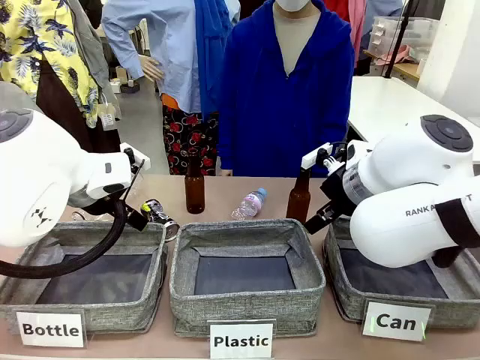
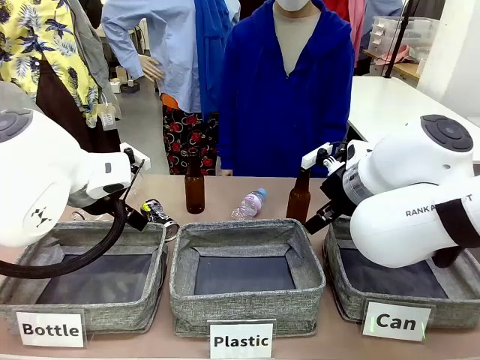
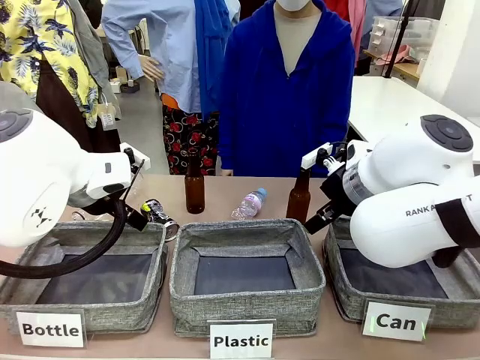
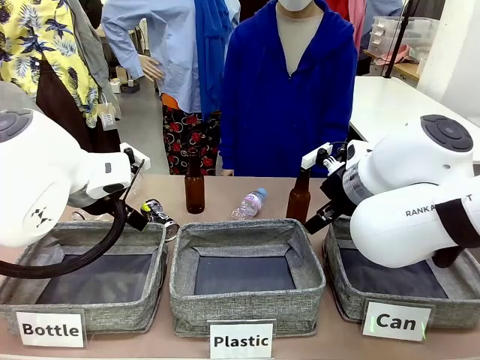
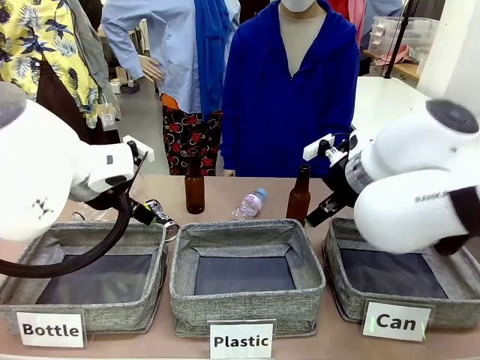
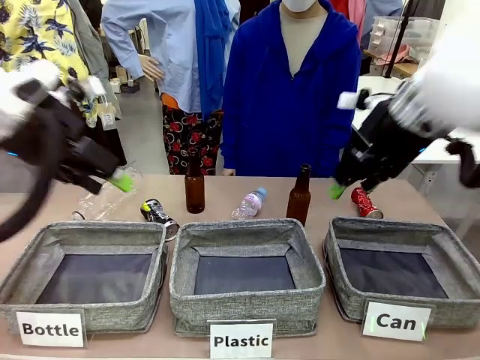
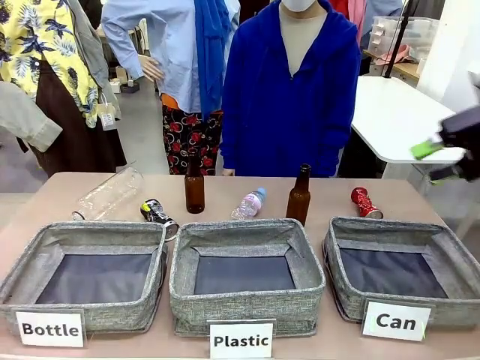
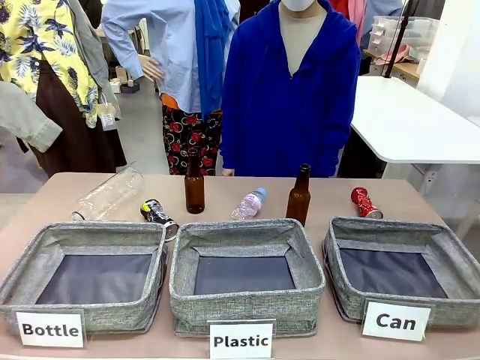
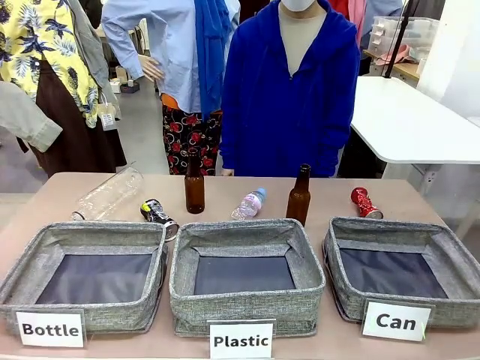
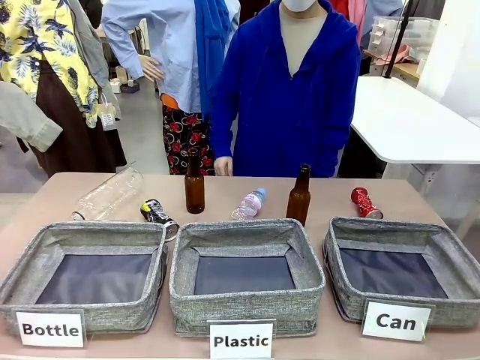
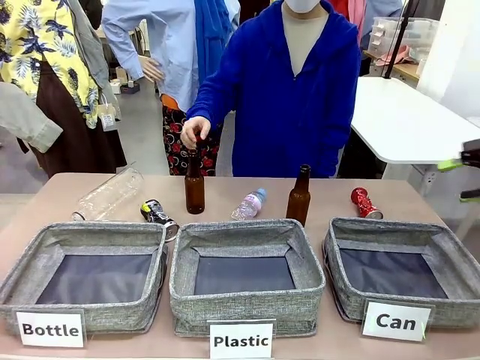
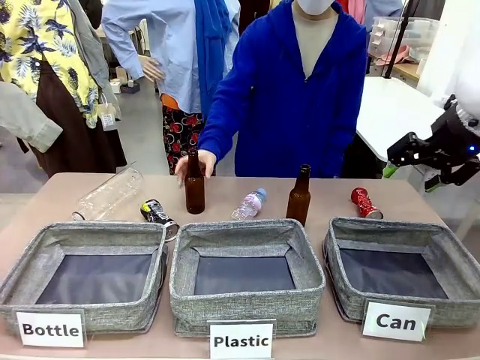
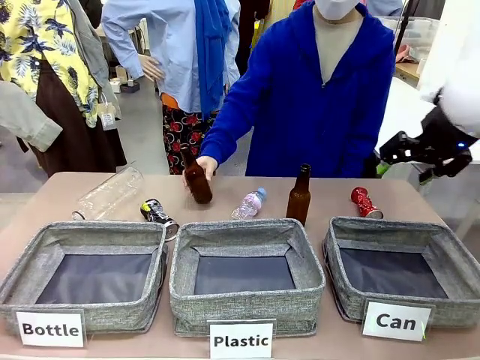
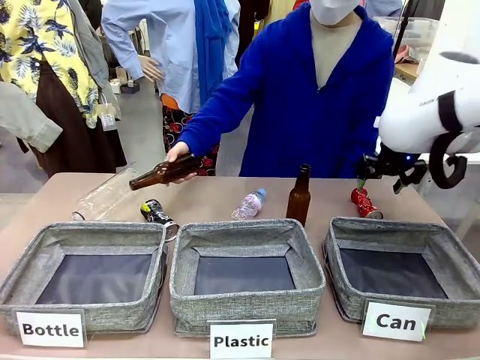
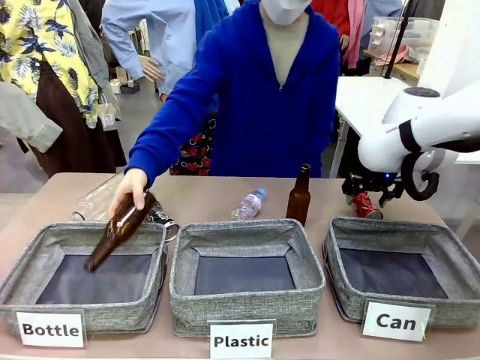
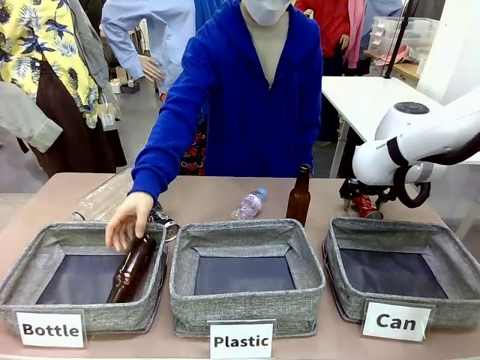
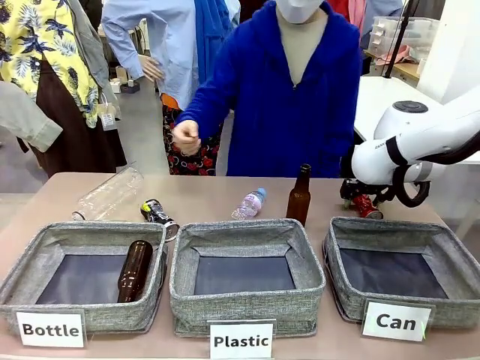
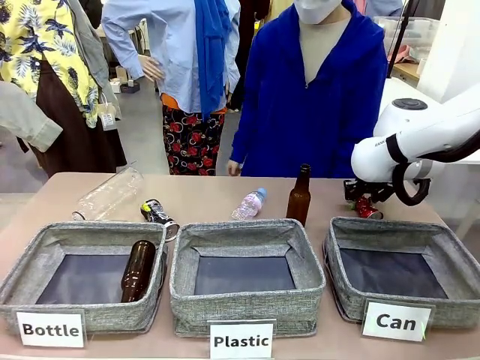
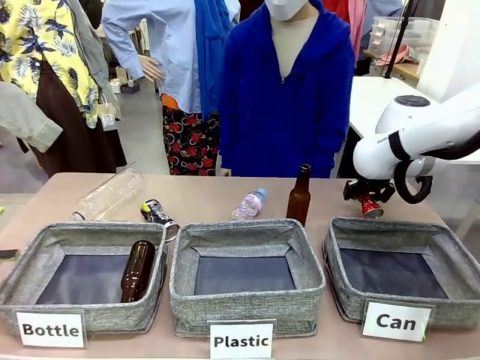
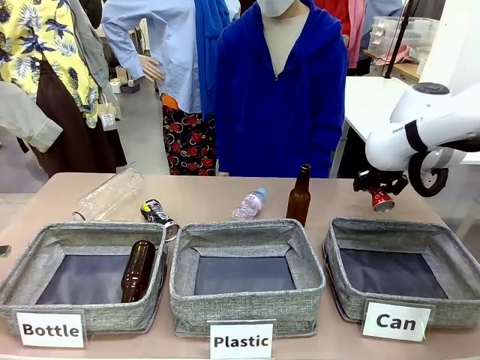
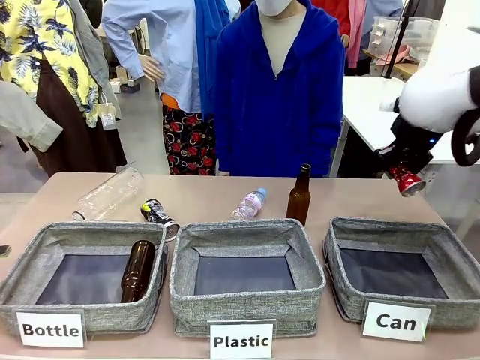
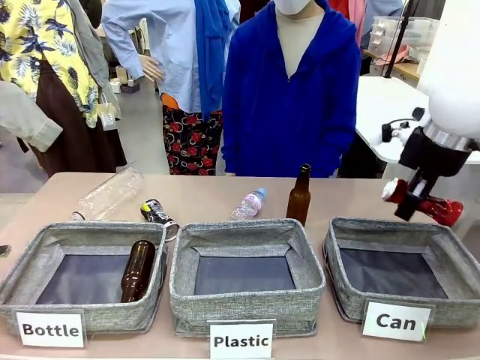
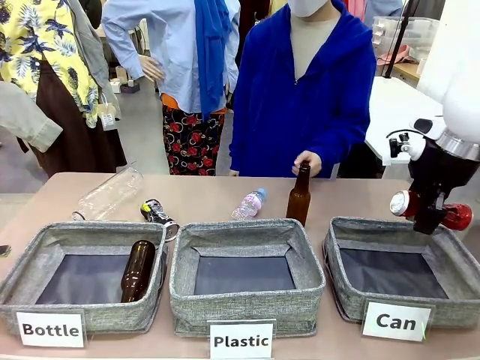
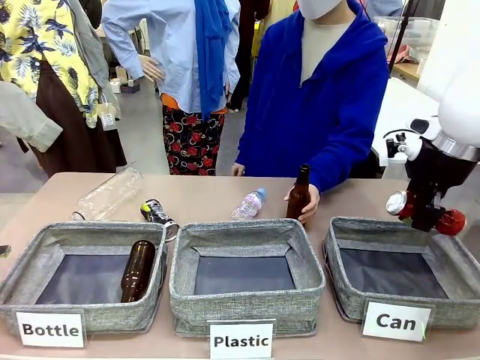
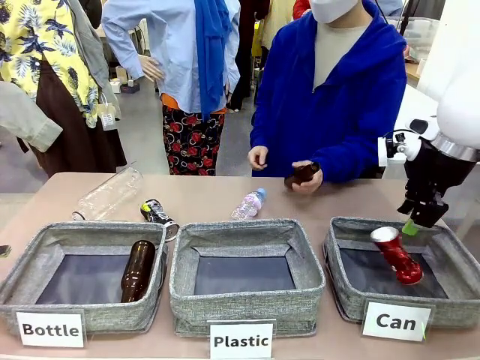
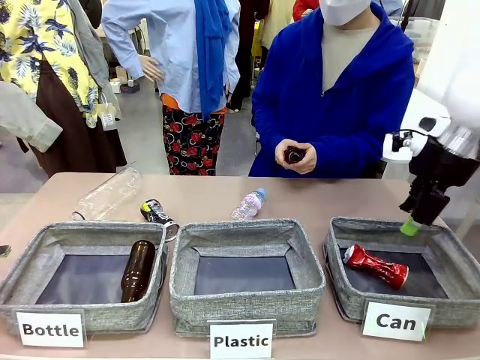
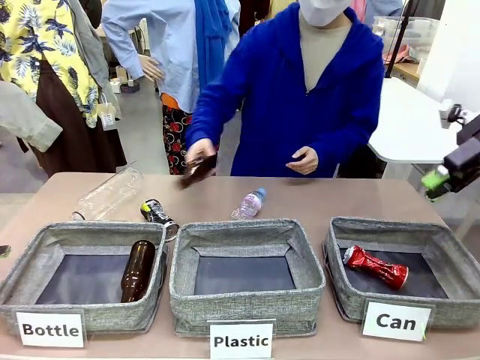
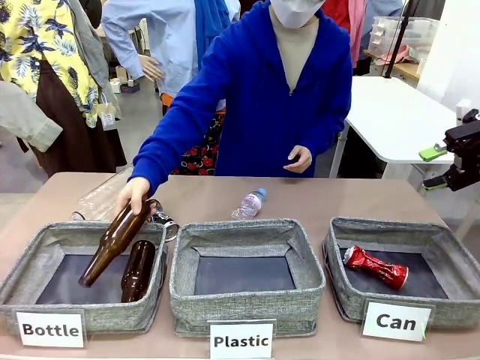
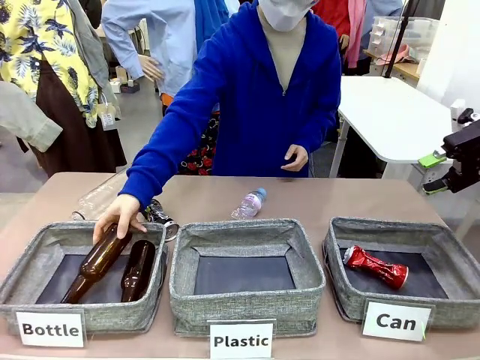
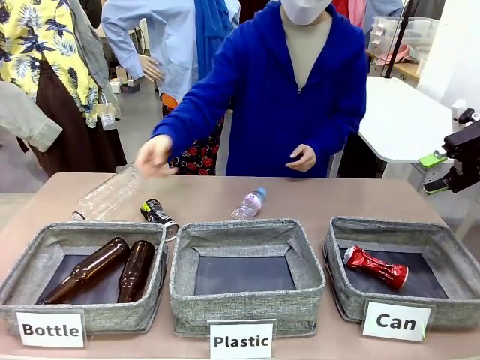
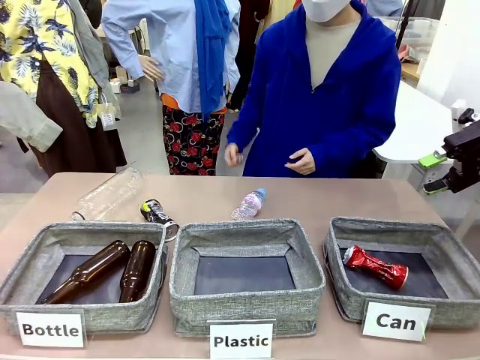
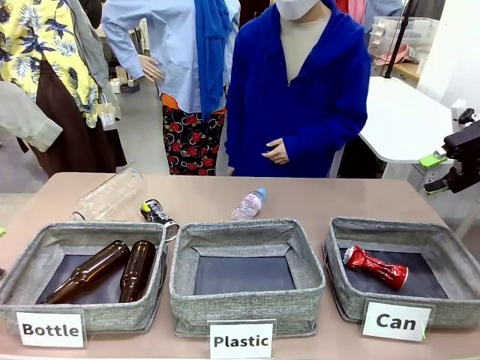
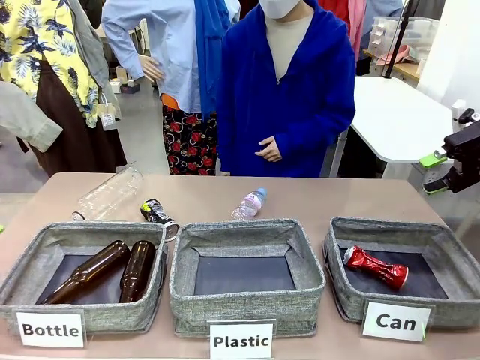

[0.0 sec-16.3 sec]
Task: Sort the can waste into the basket.
Robot: Pick up the can waste from the table and place it in the right Fabric basket.

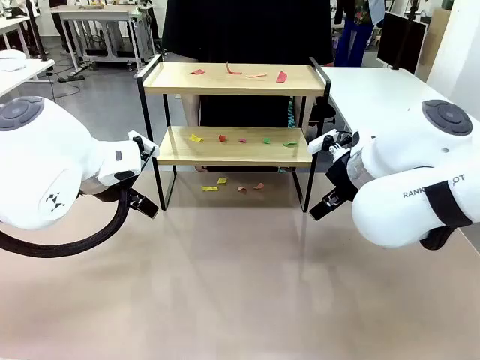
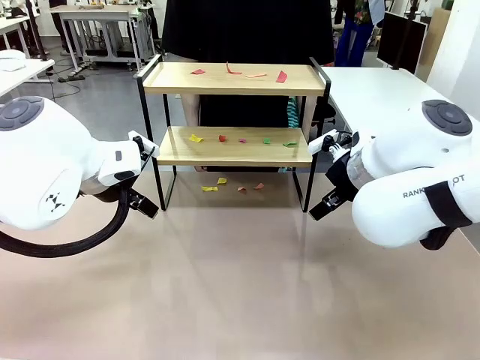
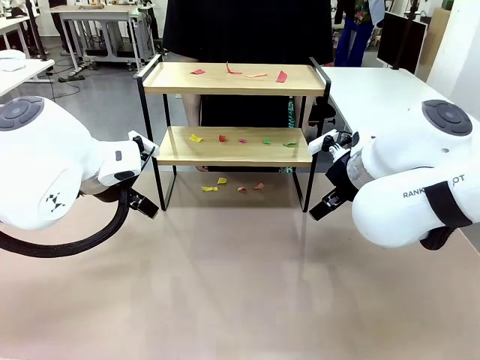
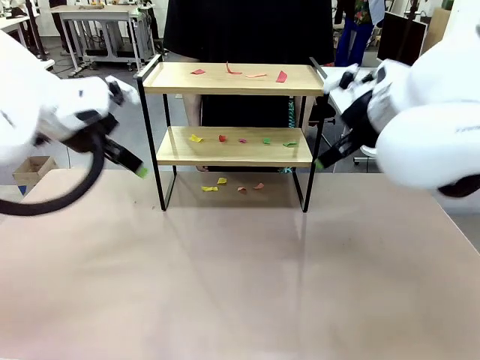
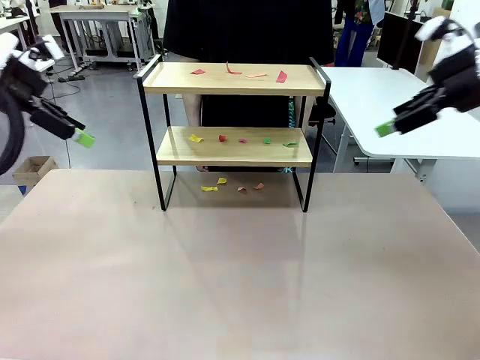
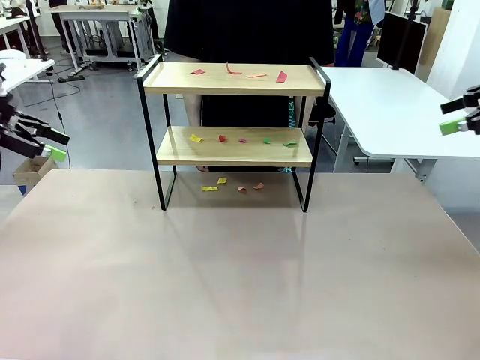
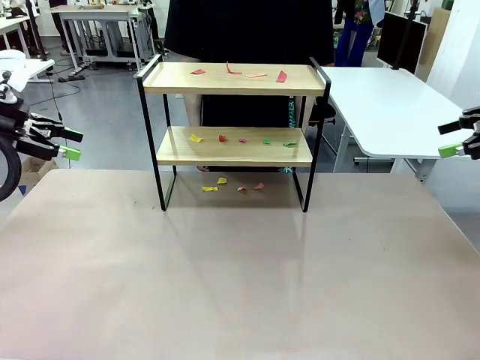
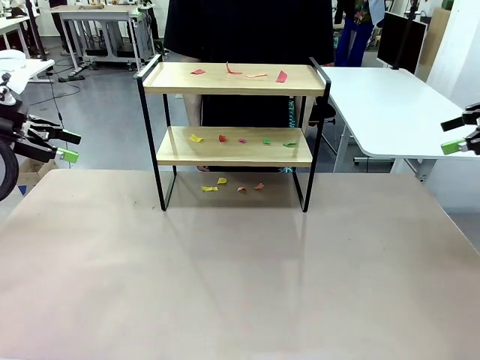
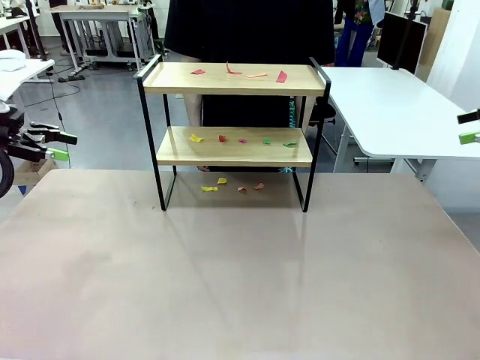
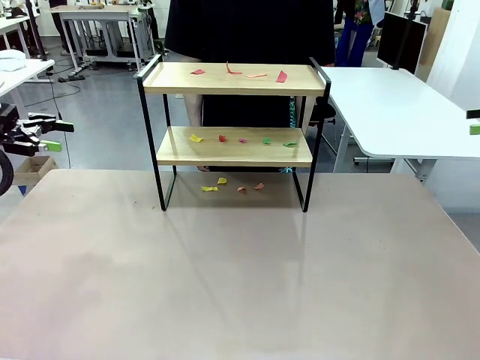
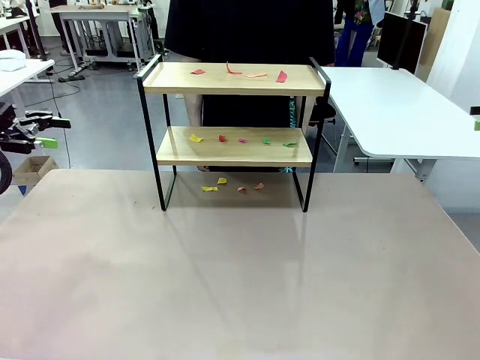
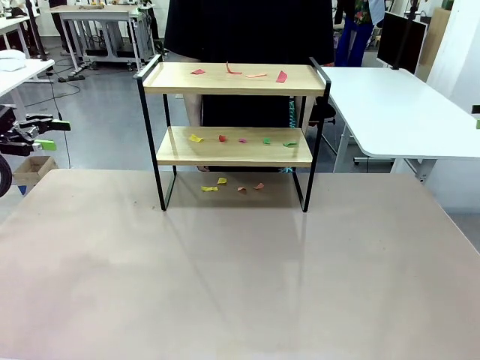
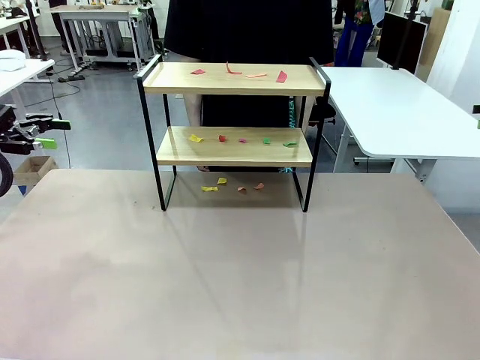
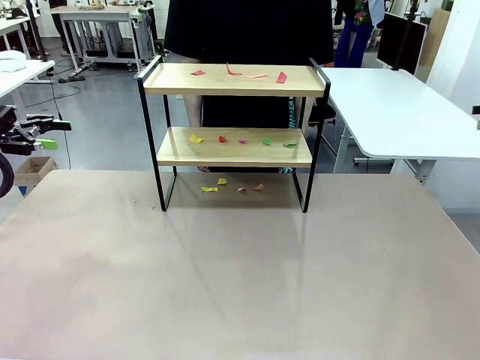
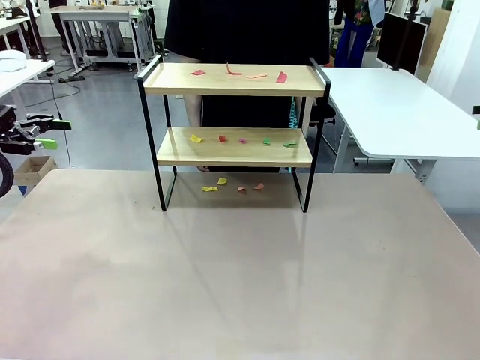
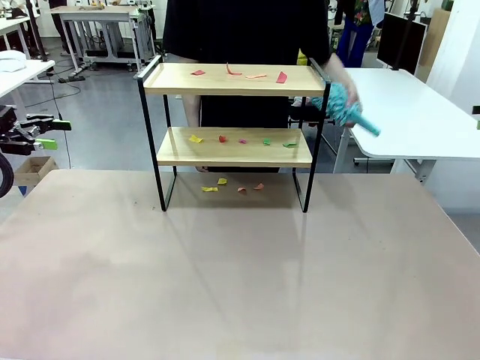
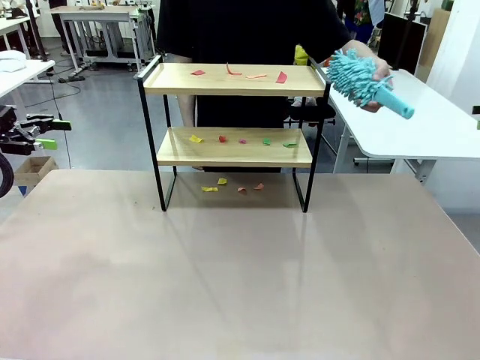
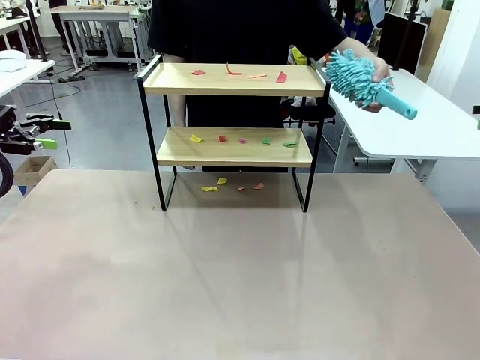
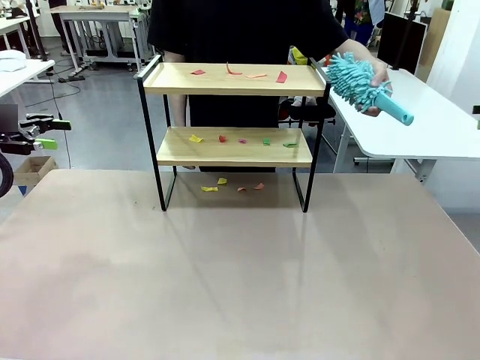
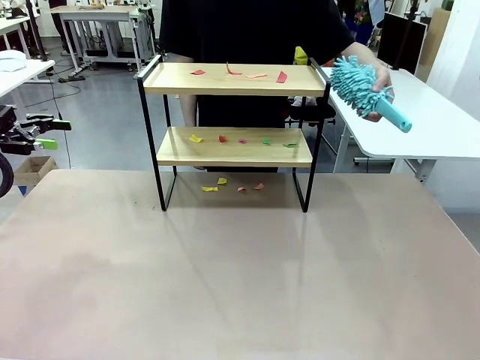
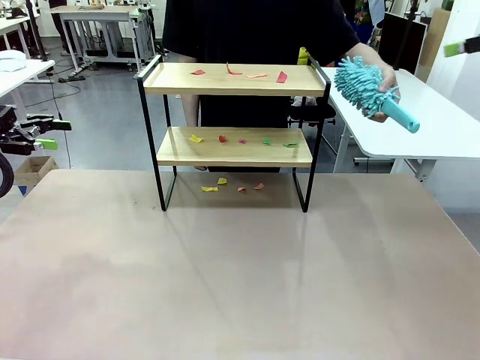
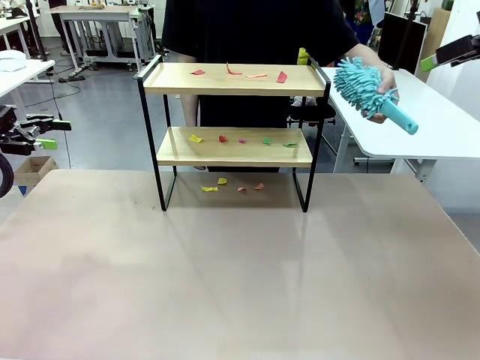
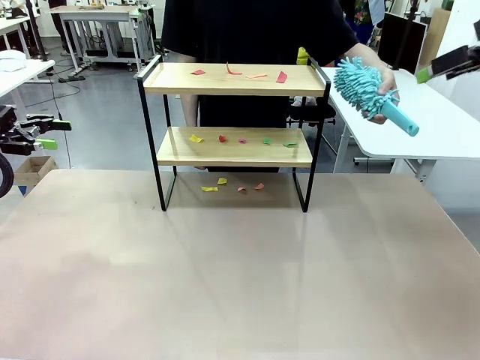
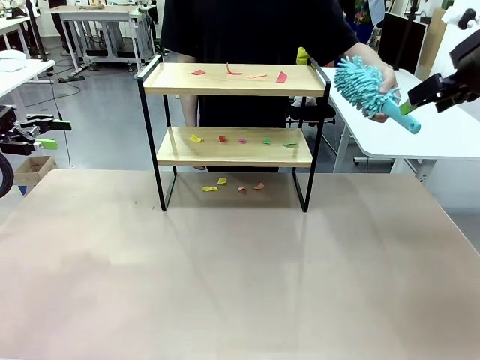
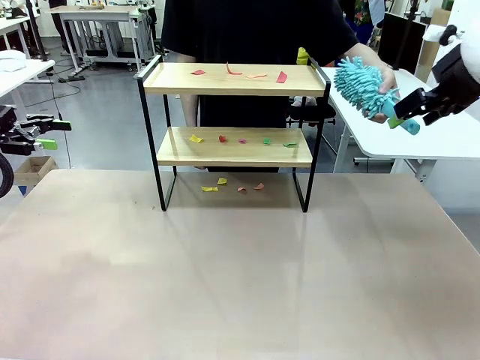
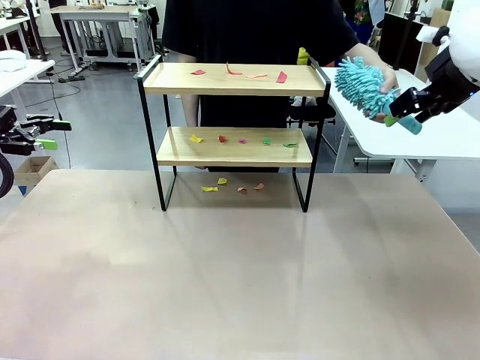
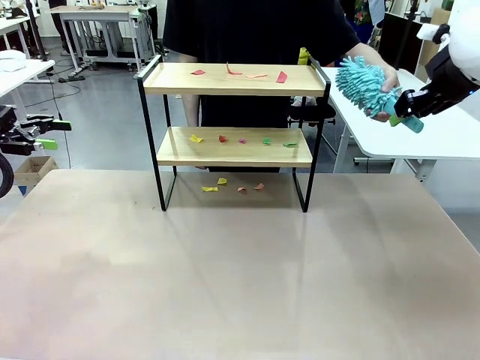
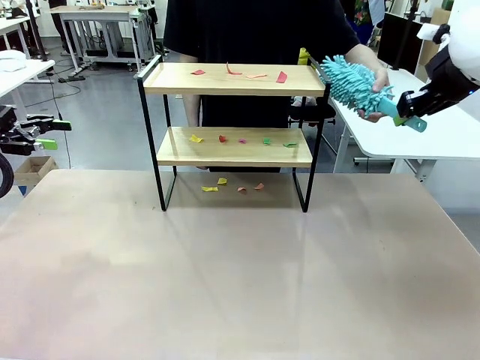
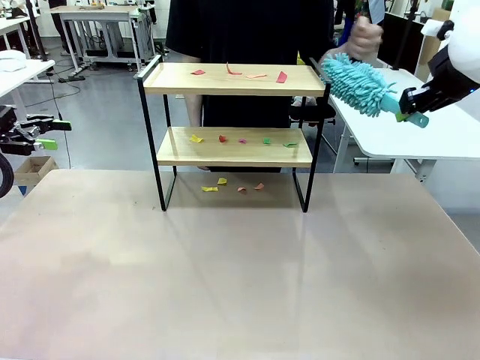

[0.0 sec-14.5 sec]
Task: Clean the shelf.
Robot: Pick up the Duster handed by the human.
Person: Hand the Duster to the robot.
